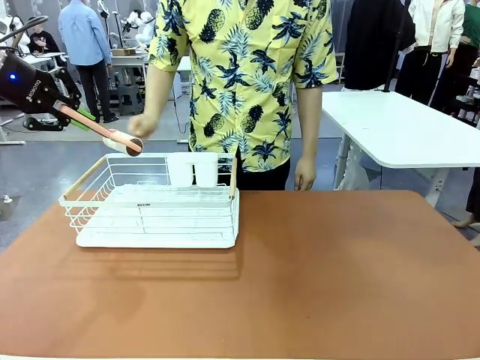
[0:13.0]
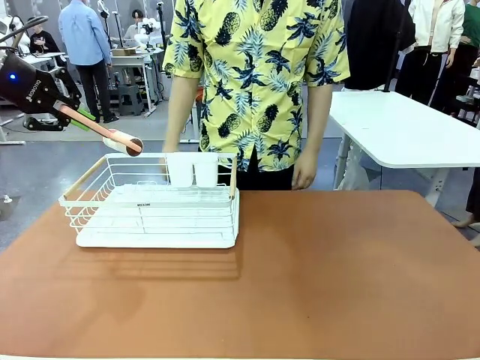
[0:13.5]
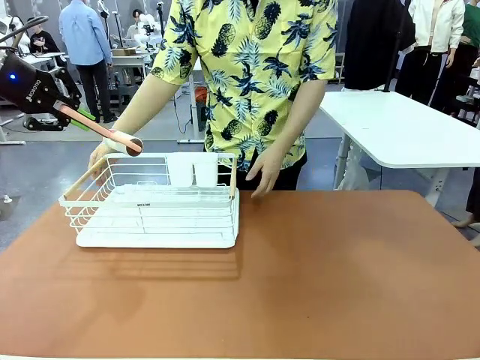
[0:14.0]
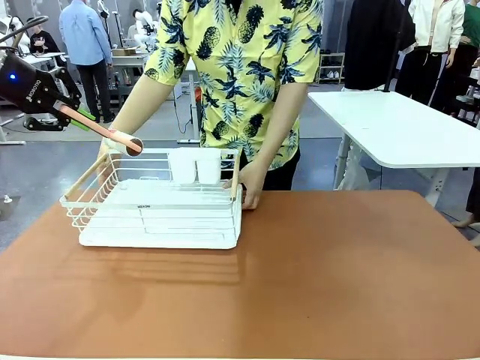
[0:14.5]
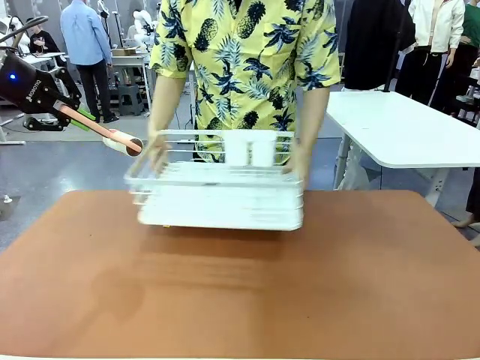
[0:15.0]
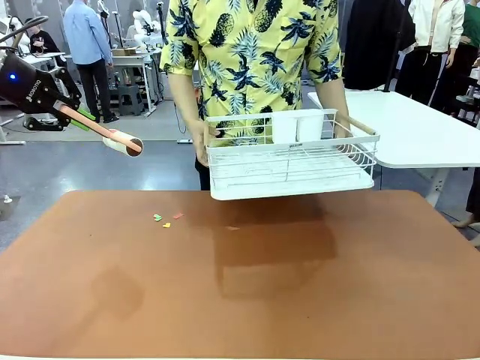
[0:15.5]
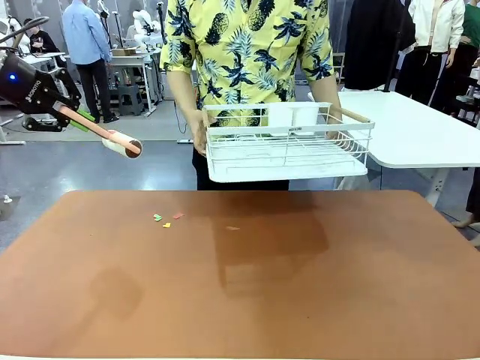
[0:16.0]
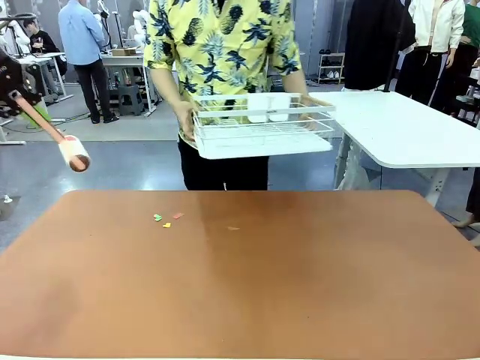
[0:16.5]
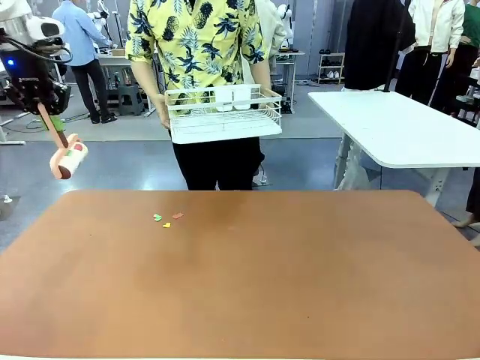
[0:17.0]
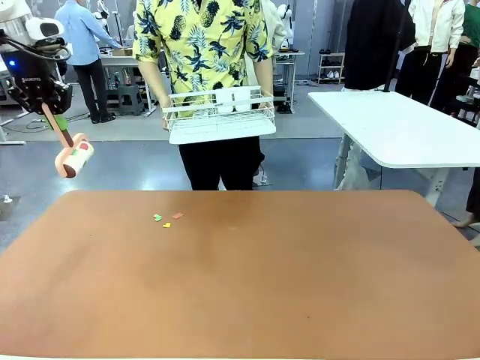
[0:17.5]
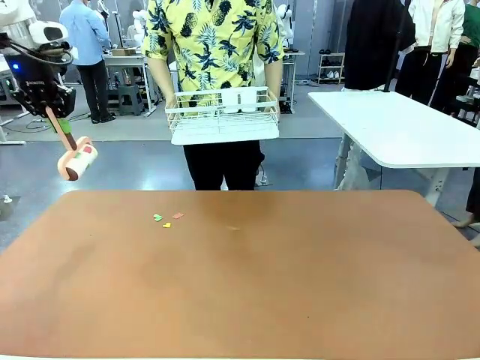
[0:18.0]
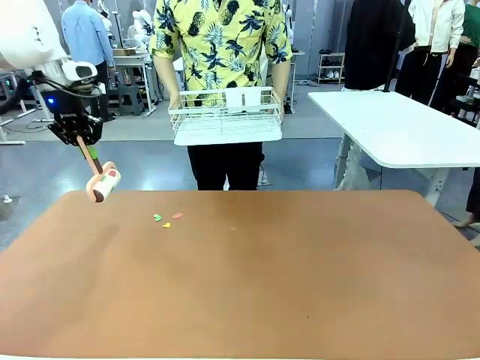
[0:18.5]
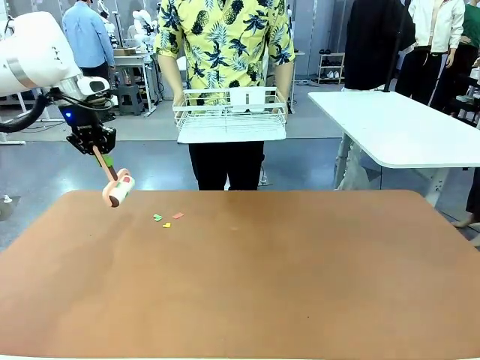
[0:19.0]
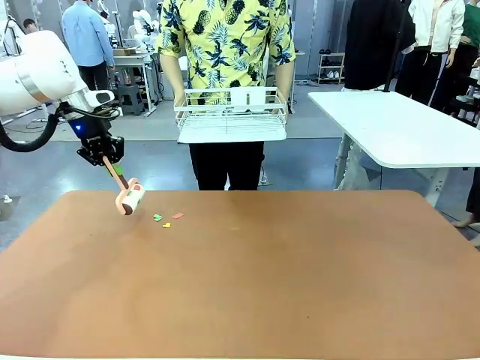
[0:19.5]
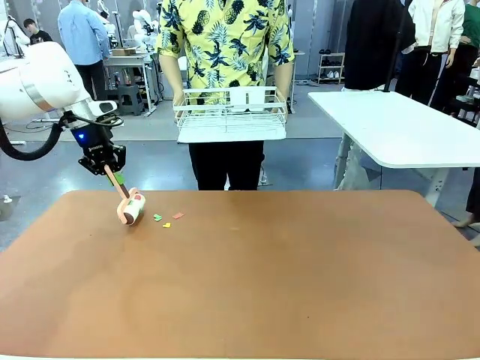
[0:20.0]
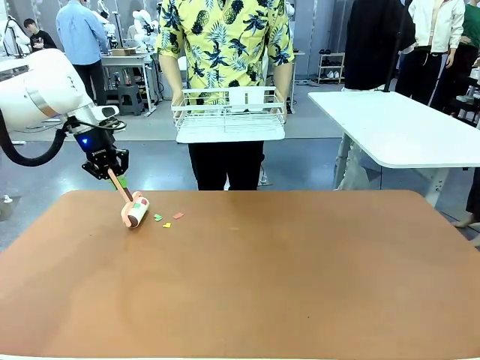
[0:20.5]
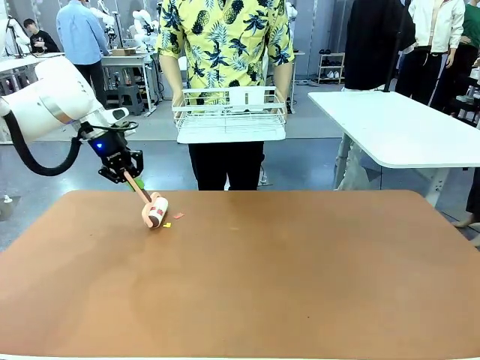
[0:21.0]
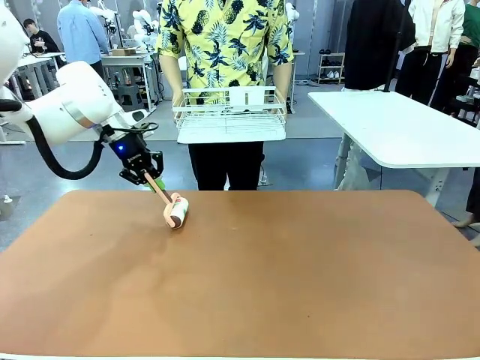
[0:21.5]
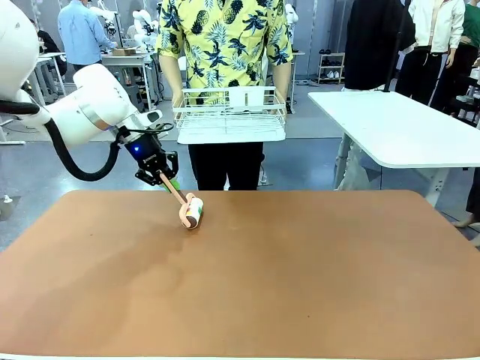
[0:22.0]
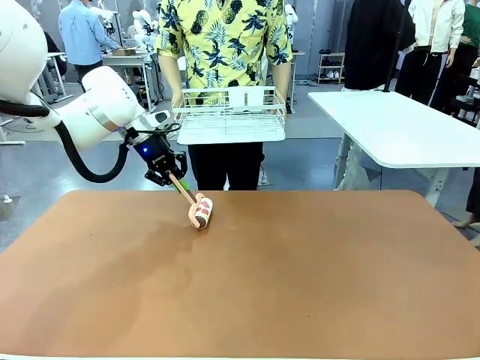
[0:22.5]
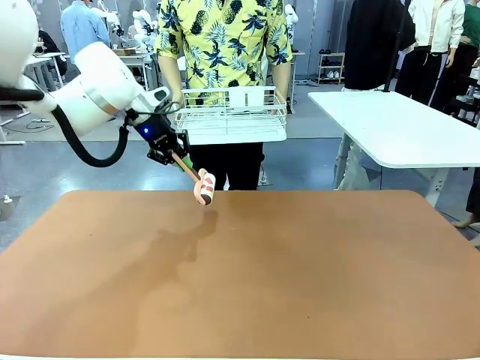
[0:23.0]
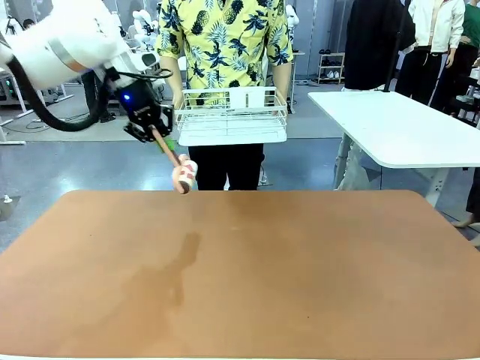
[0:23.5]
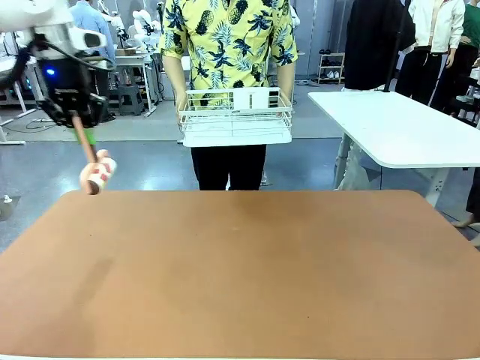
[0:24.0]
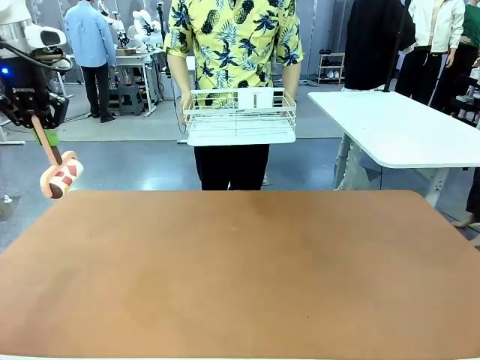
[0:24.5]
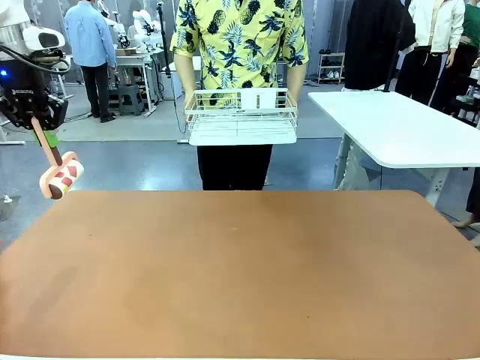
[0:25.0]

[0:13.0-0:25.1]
Task: Clean the table.
Robot: Clean the table with the Lint Roller when the human lifts the Dish drying rack.

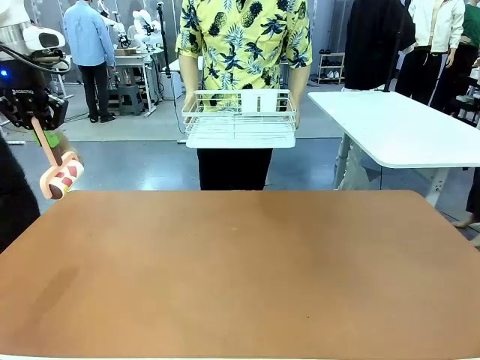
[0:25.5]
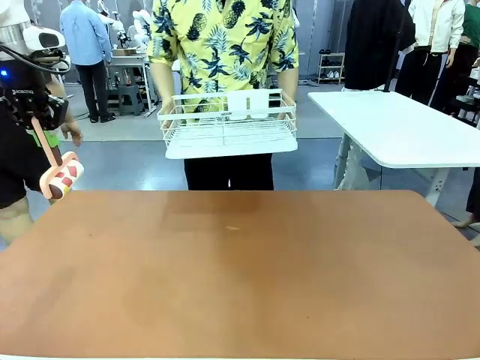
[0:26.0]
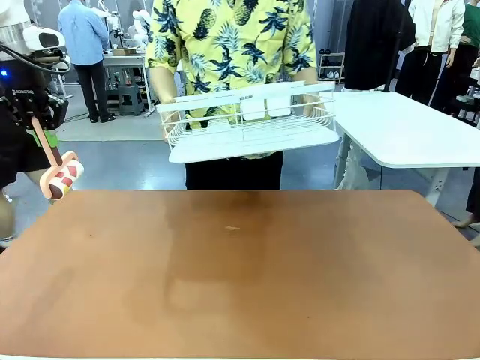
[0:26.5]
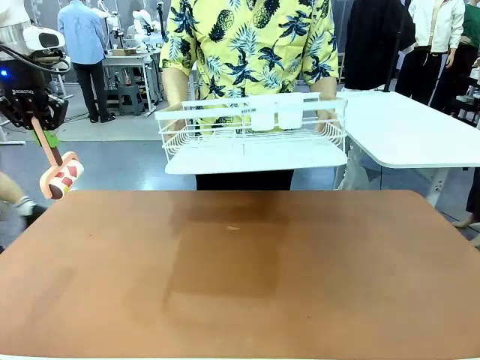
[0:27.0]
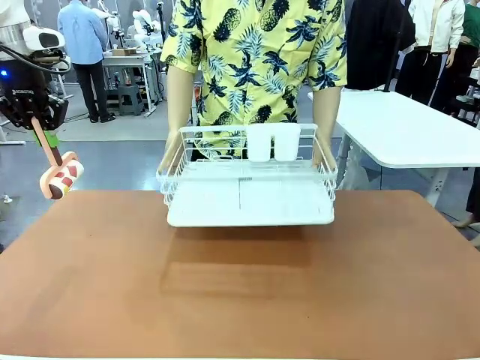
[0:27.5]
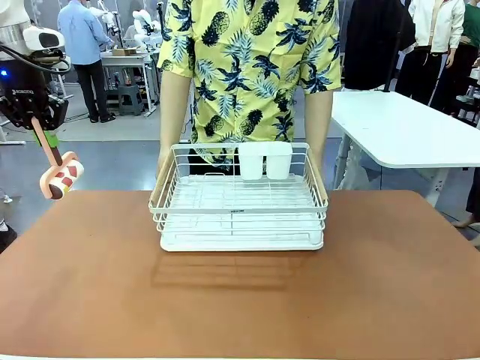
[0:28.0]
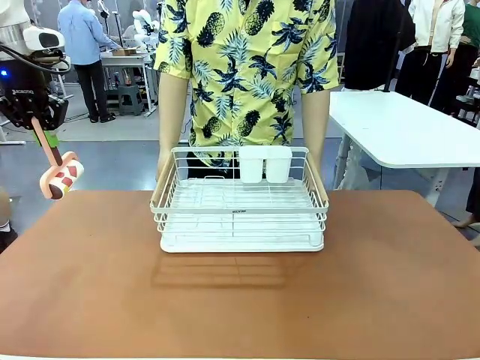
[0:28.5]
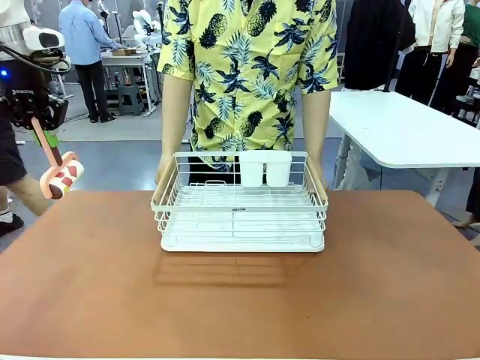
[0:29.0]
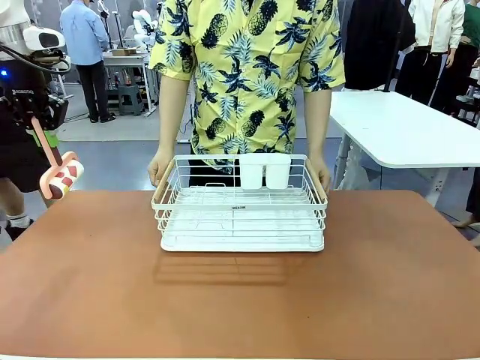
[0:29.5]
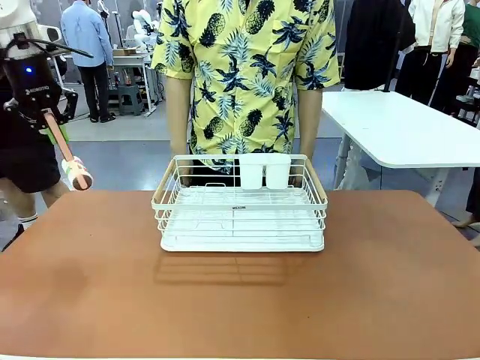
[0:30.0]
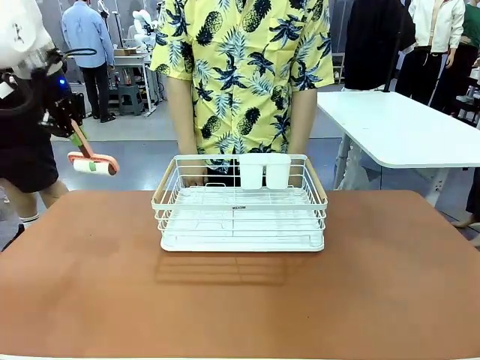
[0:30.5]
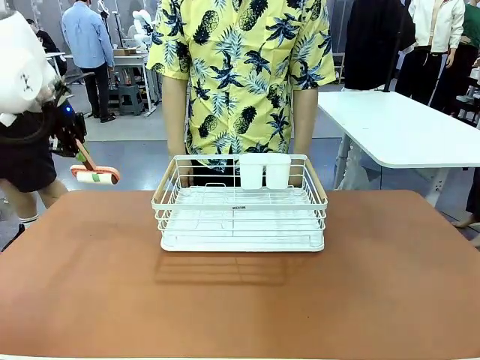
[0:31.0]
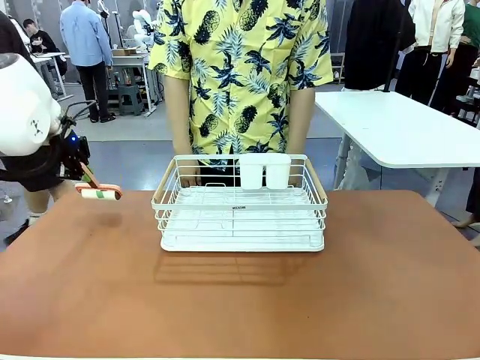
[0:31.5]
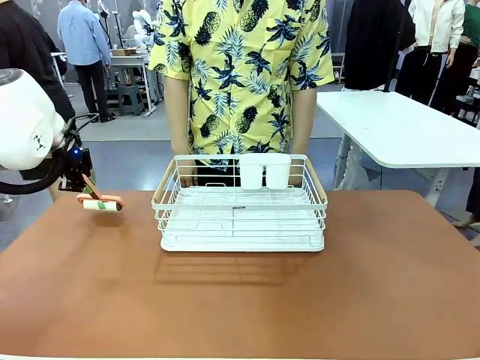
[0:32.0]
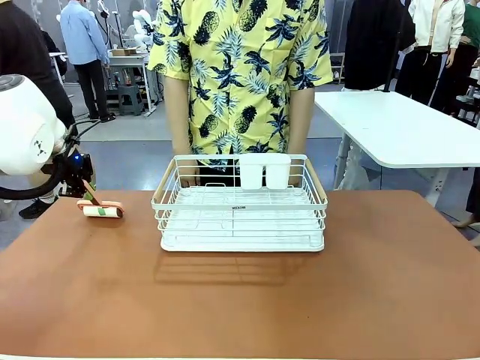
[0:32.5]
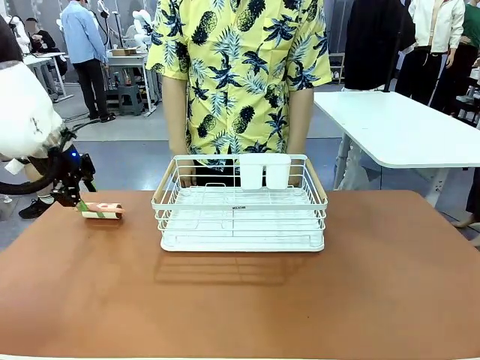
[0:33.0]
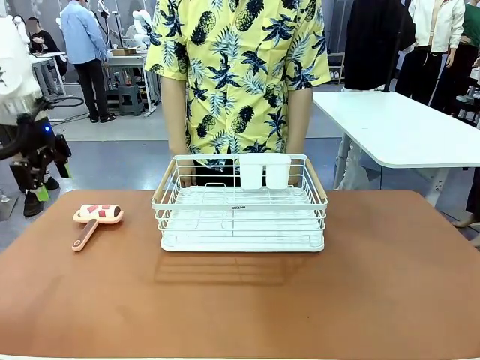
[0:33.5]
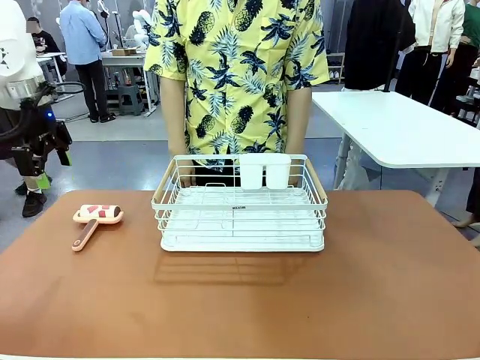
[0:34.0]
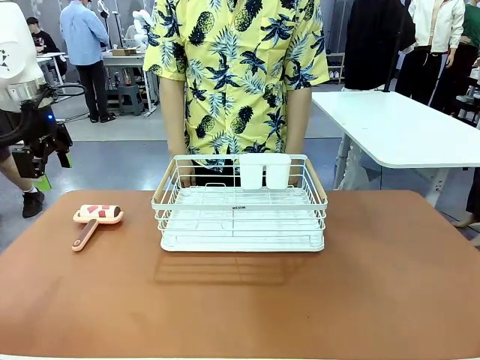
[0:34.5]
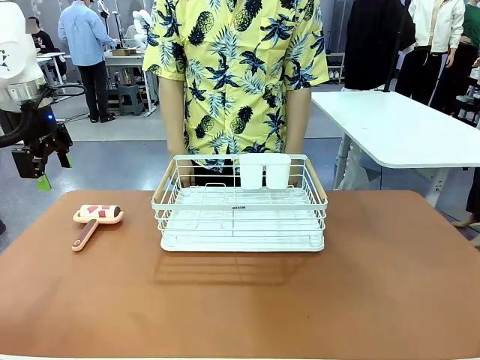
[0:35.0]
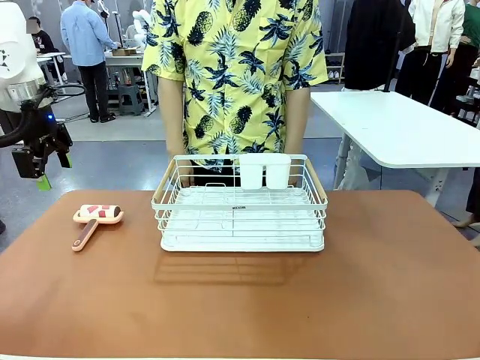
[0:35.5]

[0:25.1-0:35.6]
Robot: Place the Lint Roller down when the Dish drying rack is positioned in the middle of the table.
Person: Place the Dish drying rack down when the robot finishes cleaning.
